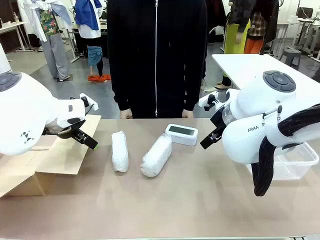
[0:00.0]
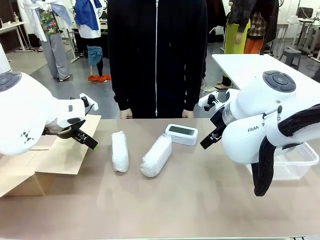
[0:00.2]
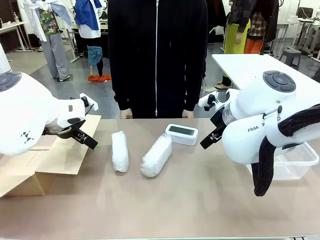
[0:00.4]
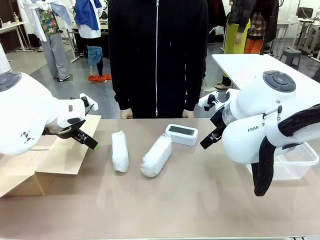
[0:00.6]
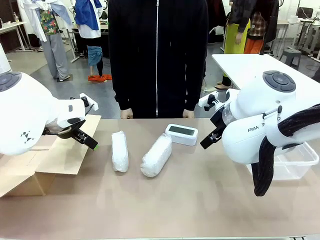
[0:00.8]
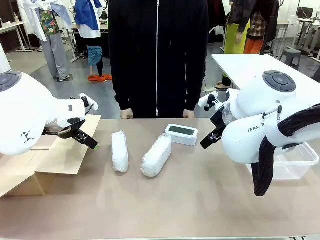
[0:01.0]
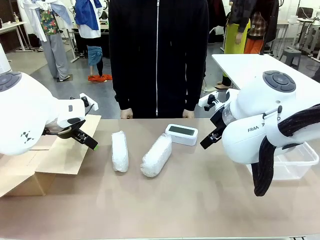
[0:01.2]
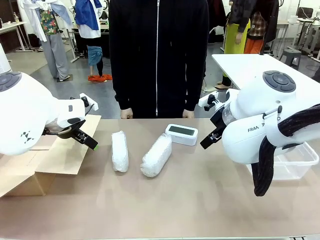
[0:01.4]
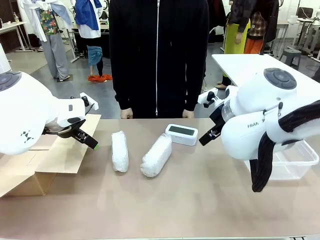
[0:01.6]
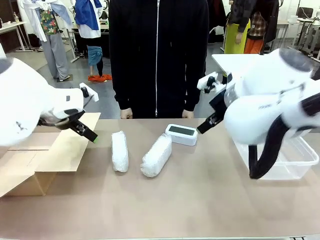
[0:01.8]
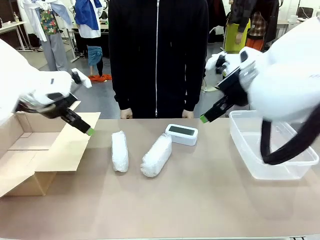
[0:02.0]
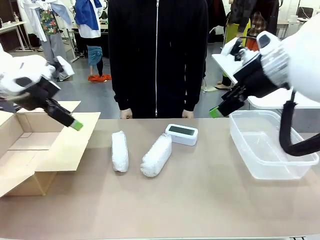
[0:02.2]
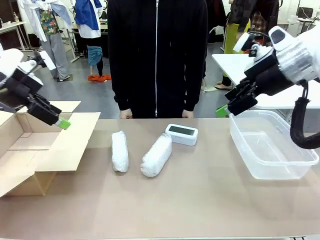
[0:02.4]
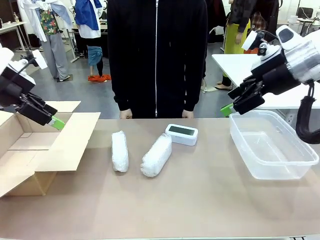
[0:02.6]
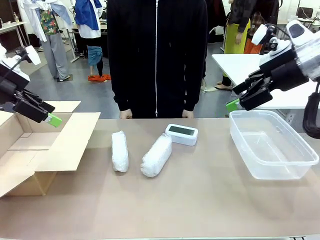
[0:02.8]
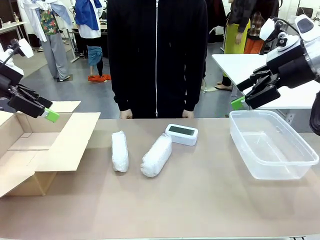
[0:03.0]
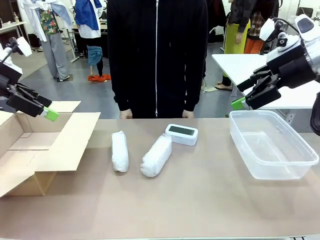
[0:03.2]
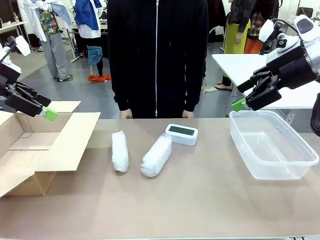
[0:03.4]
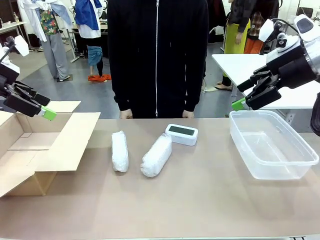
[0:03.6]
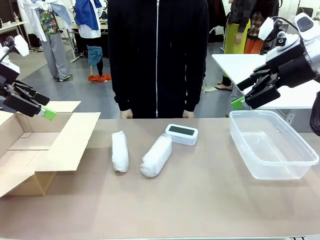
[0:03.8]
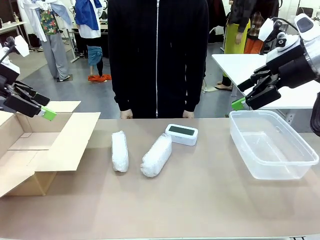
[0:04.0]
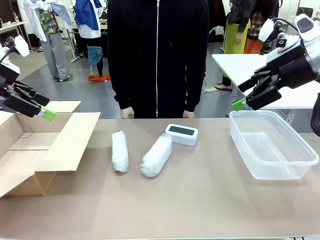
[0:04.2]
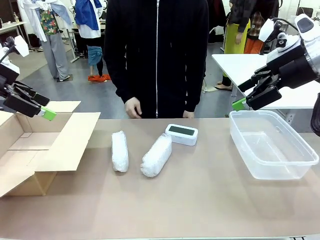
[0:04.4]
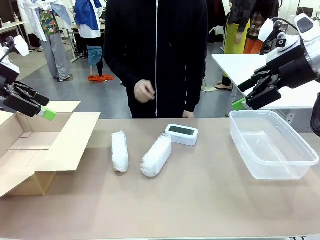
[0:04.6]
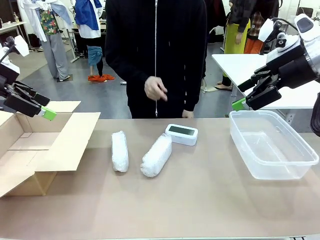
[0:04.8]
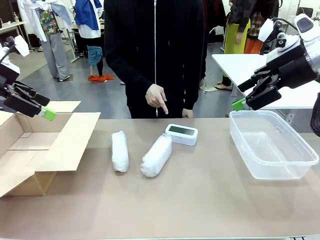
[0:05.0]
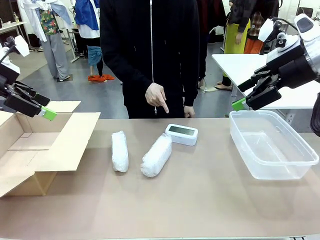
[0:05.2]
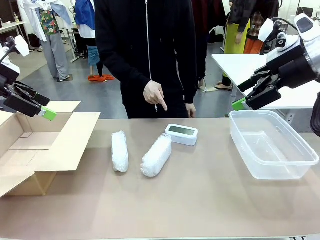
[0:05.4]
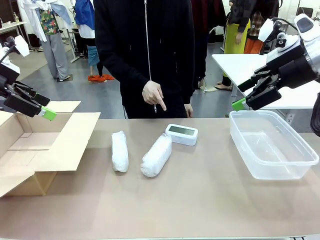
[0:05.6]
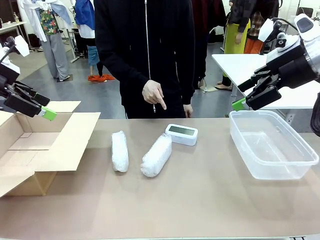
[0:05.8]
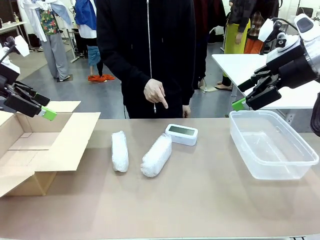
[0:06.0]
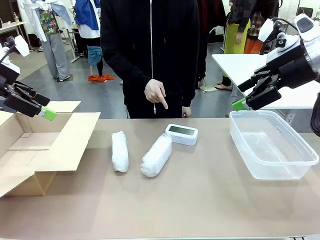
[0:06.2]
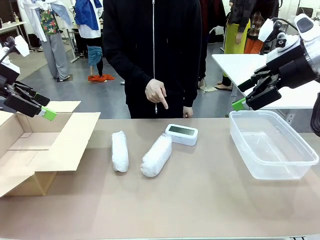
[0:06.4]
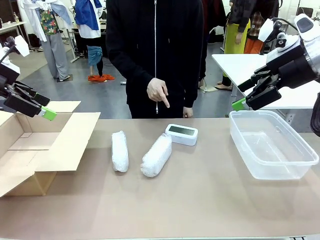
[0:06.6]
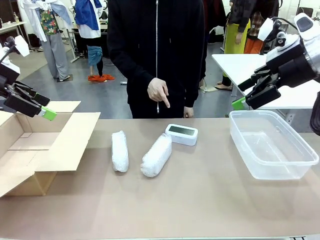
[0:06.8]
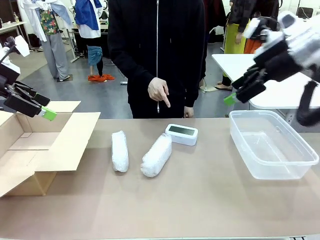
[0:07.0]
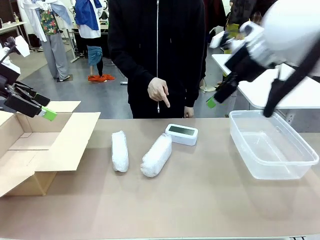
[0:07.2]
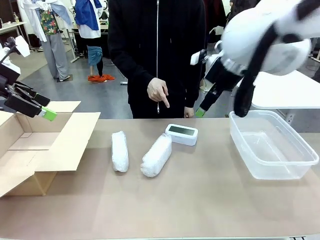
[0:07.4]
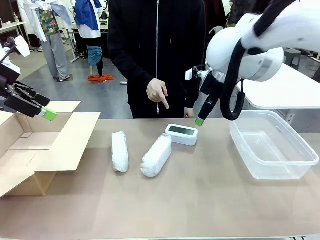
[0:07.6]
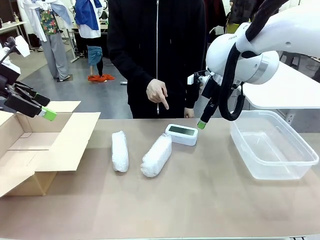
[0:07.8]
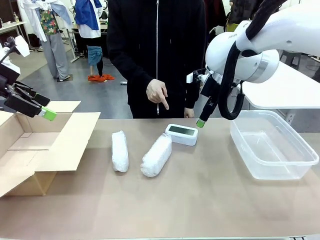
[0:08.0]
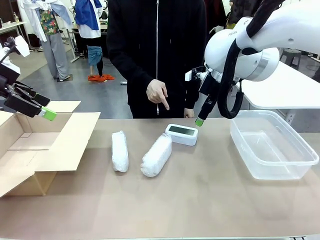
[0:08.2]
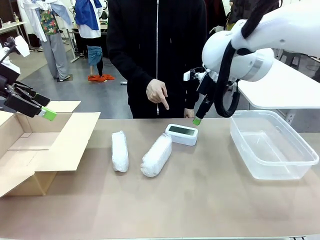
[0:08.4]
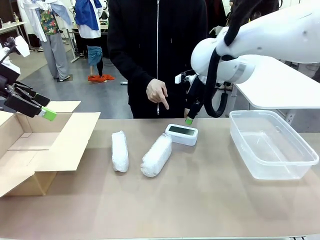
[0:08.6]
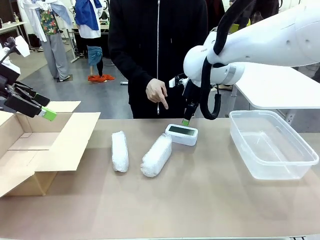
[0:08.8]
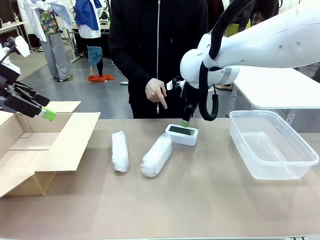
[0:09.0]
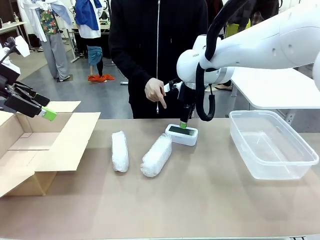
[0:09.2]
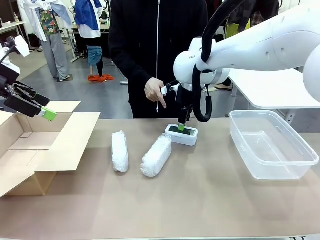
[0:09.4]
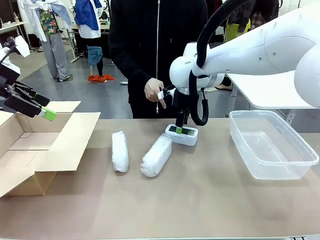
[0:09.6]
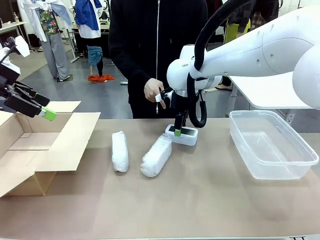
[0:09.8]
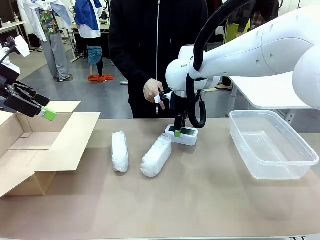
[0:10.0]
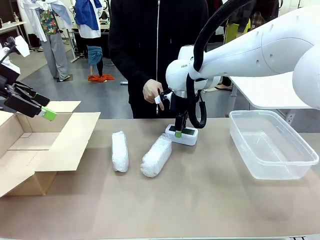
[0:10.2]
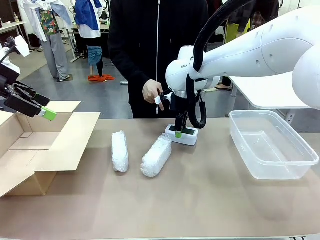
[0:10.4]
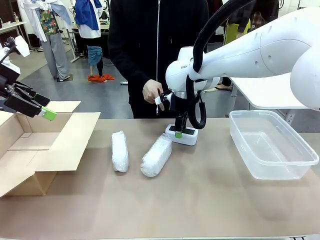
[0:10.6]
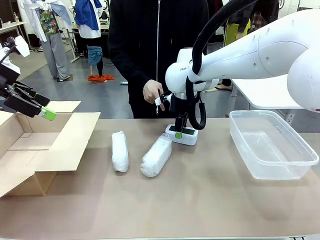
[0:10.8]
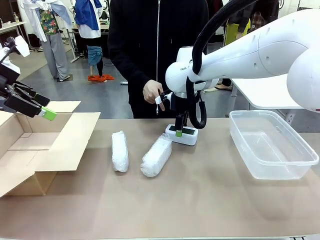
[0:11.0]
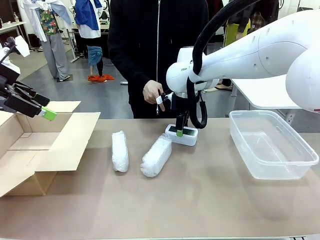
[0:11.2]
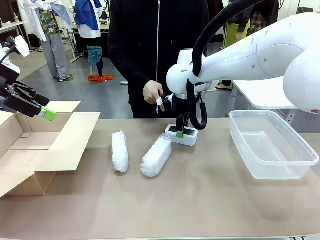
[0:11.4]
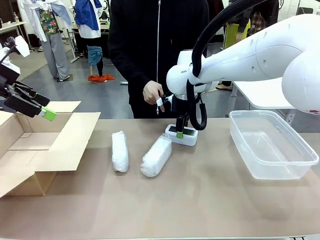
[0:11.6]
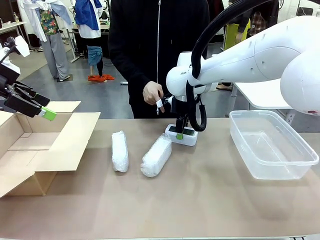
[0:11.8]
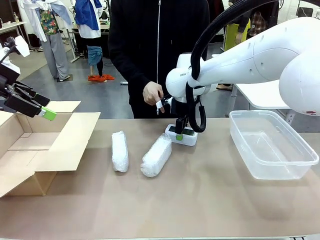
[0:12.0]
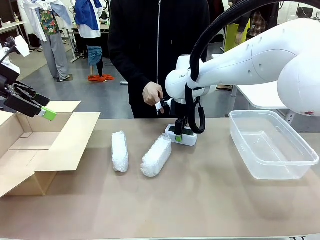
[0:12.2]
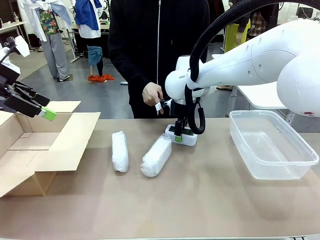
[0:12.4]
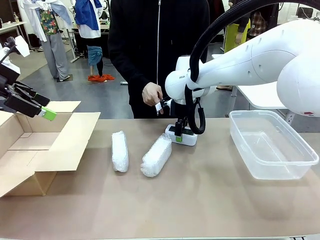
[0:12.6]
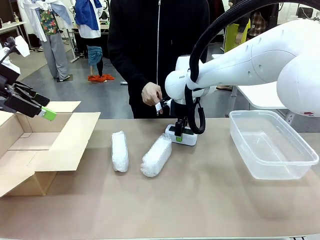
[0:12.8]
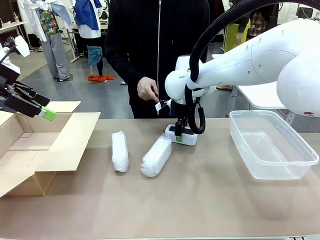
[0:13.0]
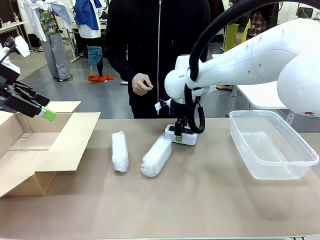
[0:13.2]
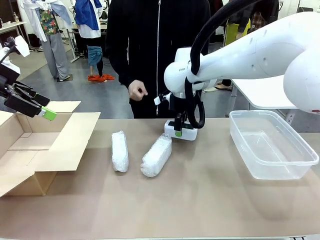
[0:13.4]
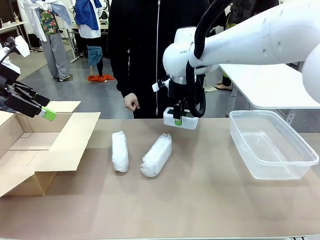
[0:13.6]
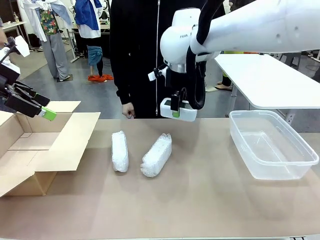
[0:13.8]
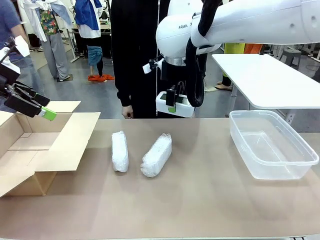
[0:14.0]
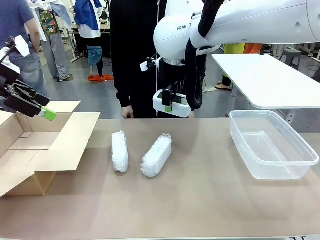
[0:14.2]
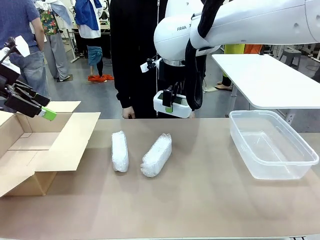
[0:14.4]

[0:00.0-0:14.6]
Task: Separate and place wrapped and unwrapped clocks.
Robot: Pick up the Digital clock indicated by the person.

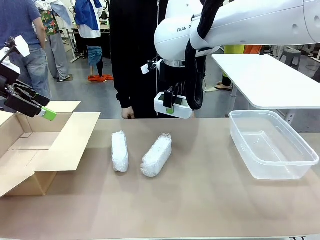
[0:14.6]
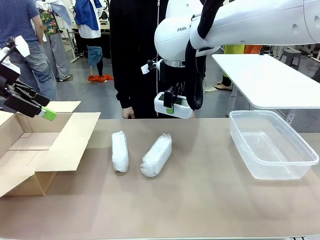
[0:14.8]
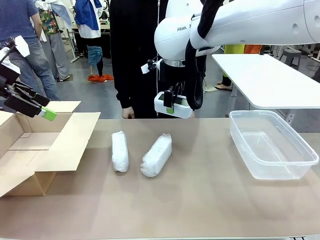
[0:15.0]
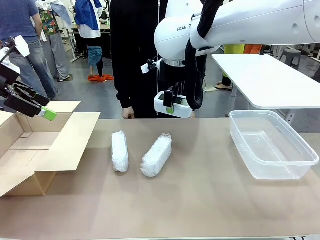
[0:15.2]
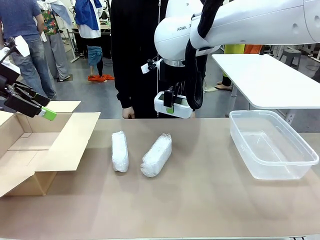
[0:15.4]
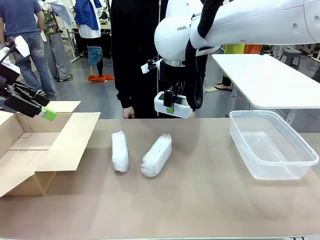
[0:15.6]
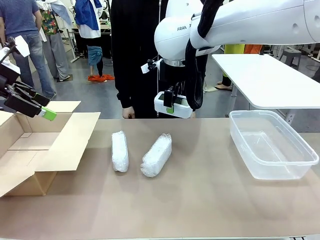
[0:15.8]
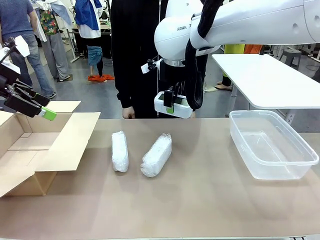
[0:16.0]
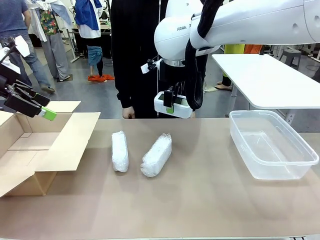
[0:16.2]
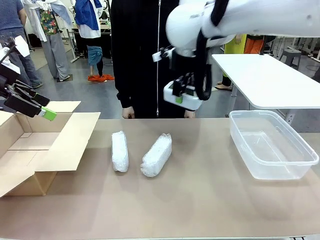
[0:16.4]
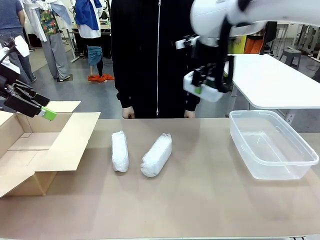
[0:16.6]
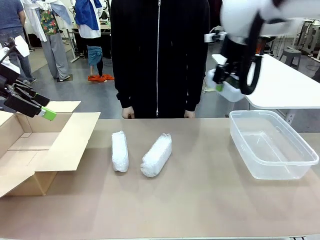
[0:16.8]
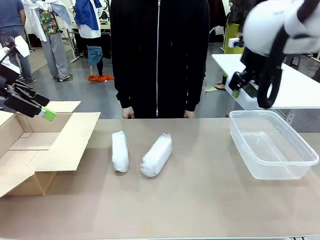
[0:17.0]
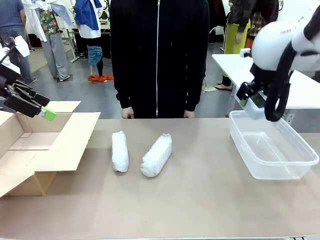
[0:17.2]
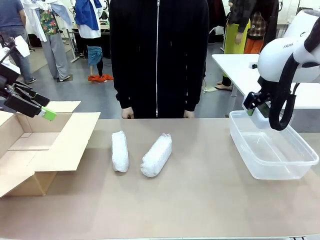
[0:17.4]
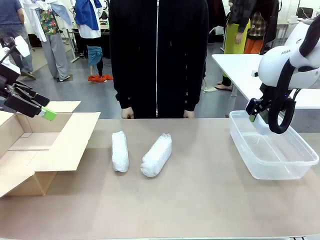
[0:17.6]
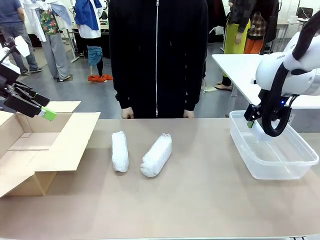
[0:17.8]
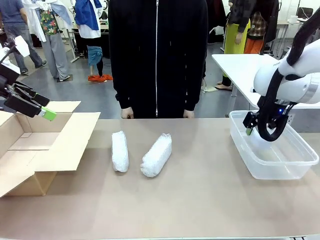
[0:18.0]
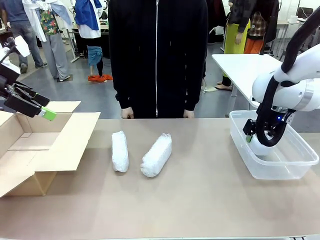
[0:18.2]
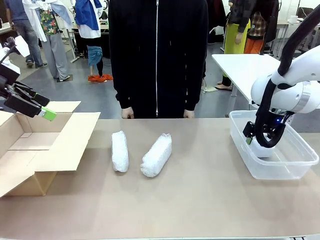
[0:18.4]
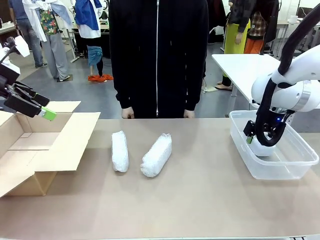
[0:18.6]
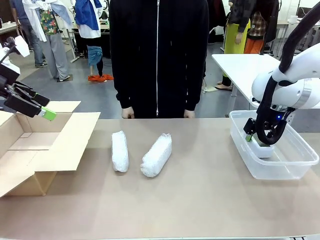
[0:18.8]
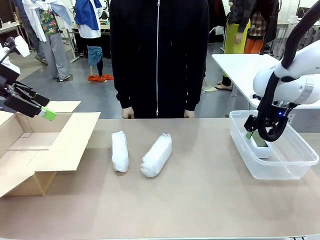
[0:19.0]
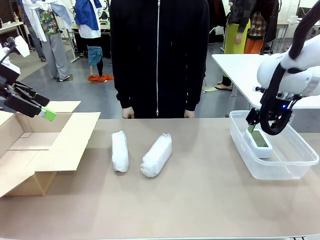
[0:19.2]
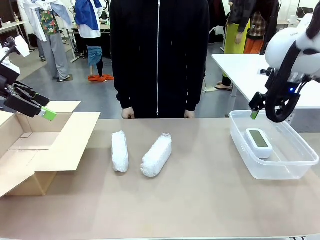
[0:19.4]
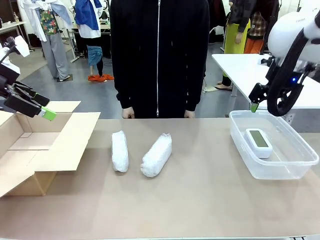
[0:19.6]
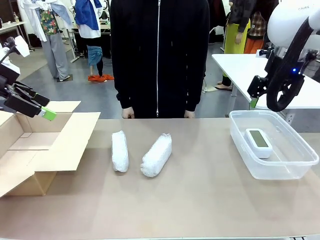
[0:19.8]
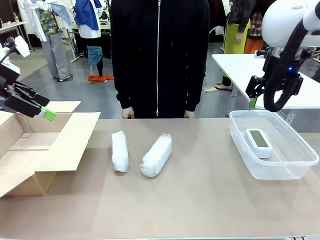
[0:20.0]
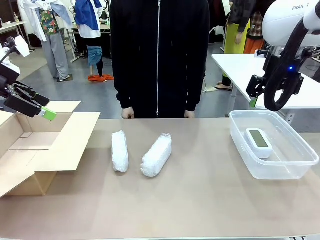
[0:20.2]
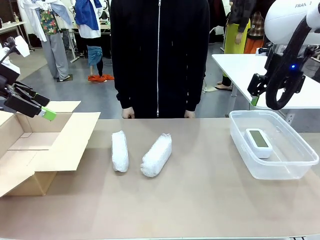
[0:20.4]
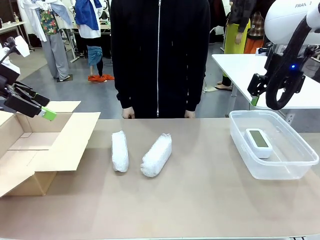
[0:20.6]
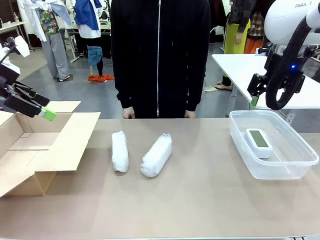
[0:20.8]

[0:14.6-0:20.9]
Robot: If the picked Digital clock is wrapped, place it in the Package Box ; if not, place it in the Organizing box.
